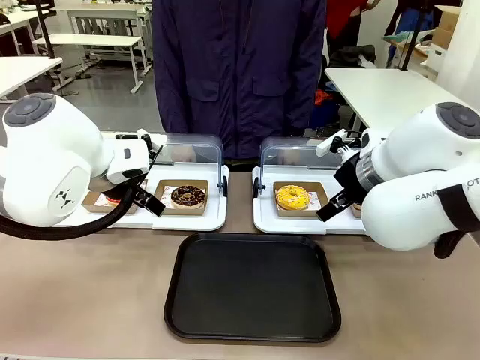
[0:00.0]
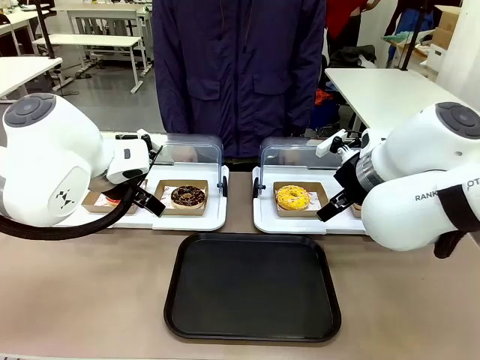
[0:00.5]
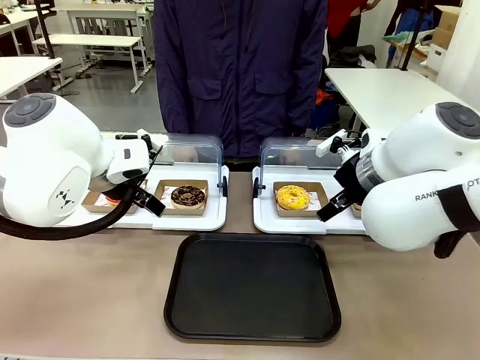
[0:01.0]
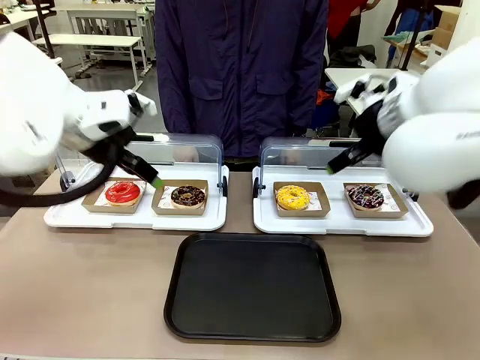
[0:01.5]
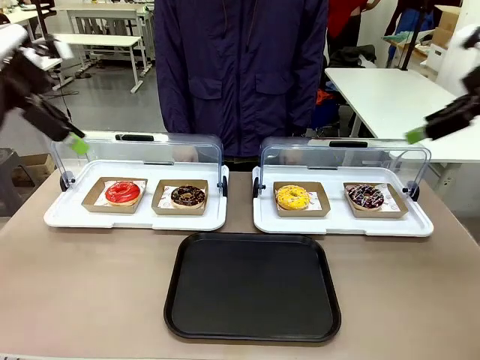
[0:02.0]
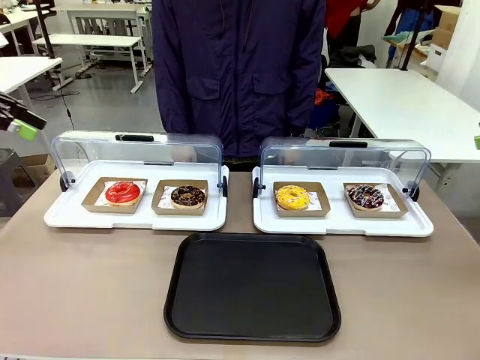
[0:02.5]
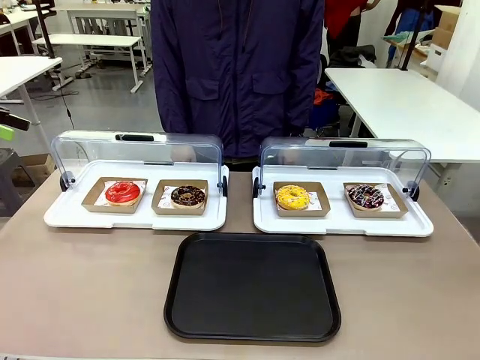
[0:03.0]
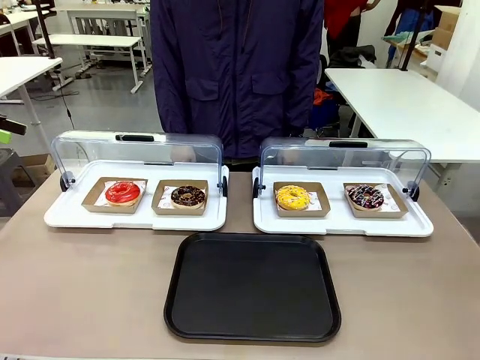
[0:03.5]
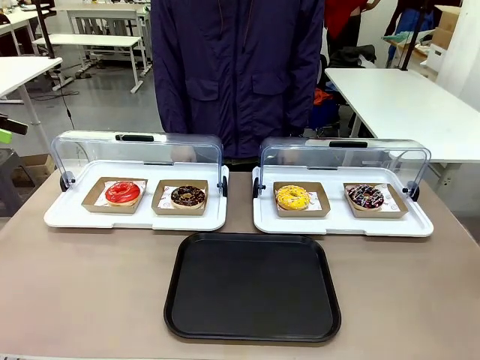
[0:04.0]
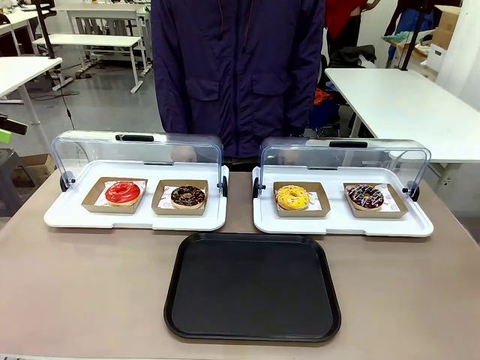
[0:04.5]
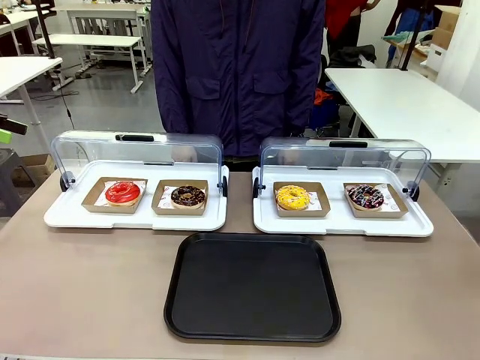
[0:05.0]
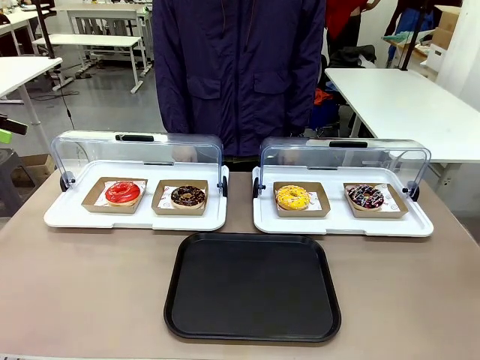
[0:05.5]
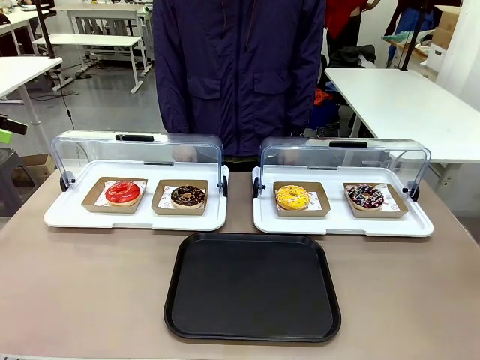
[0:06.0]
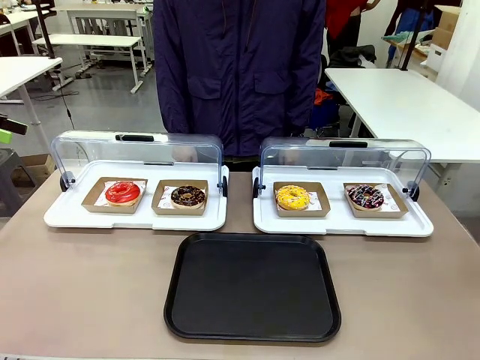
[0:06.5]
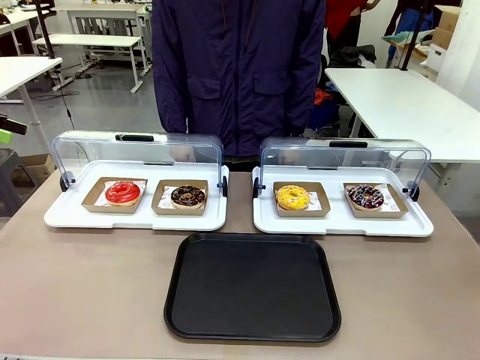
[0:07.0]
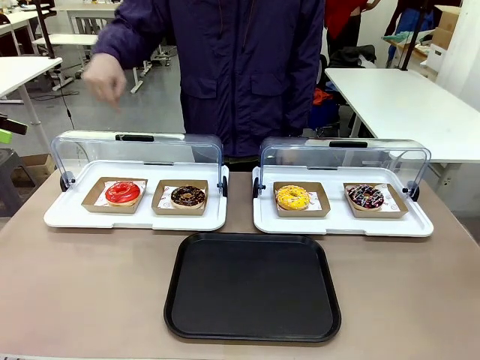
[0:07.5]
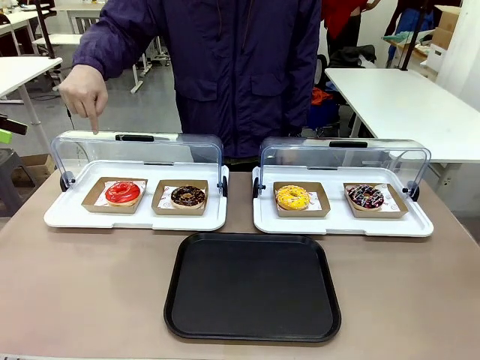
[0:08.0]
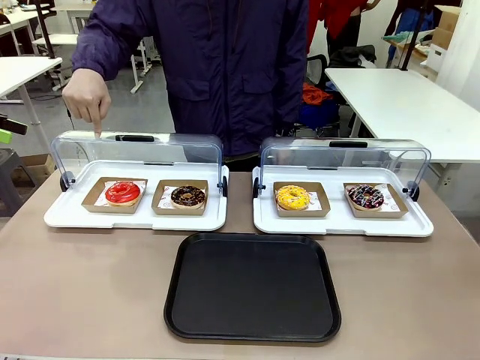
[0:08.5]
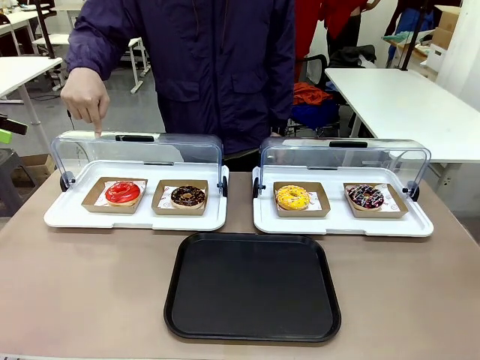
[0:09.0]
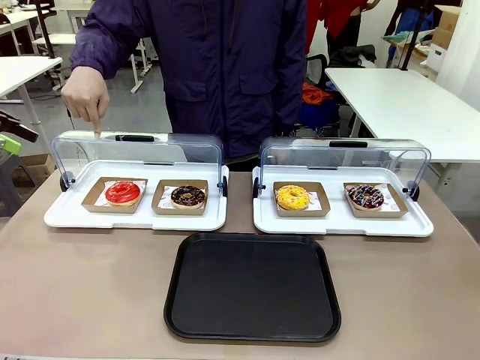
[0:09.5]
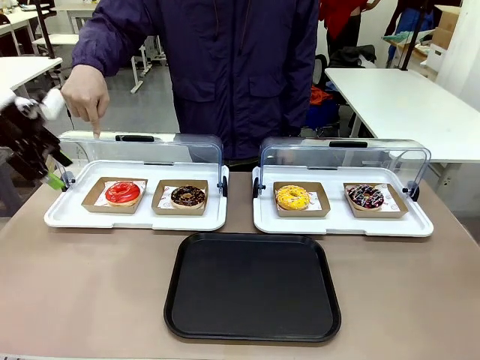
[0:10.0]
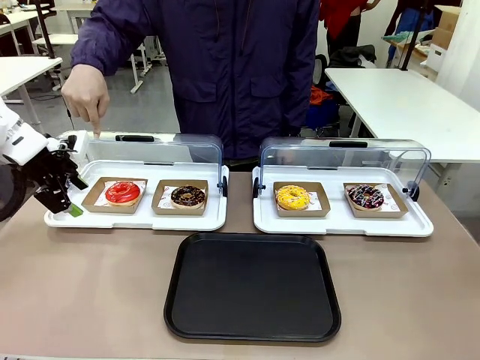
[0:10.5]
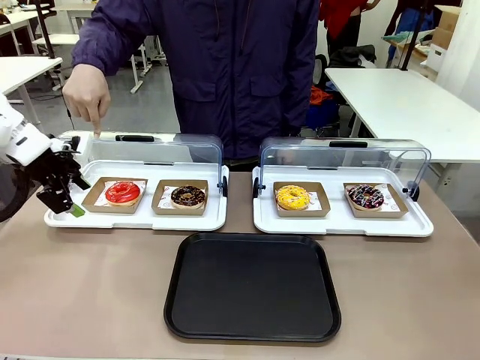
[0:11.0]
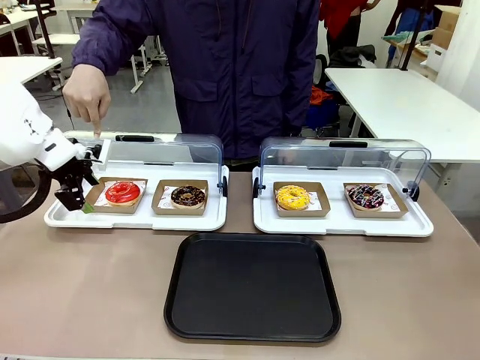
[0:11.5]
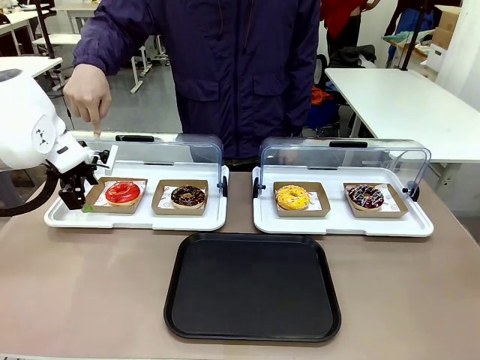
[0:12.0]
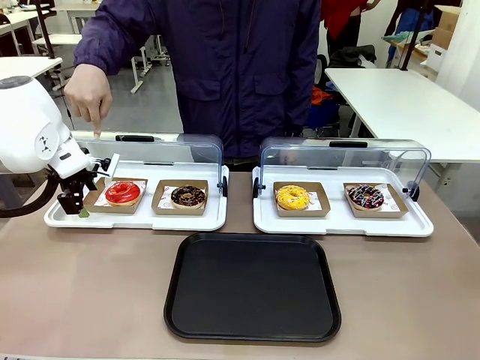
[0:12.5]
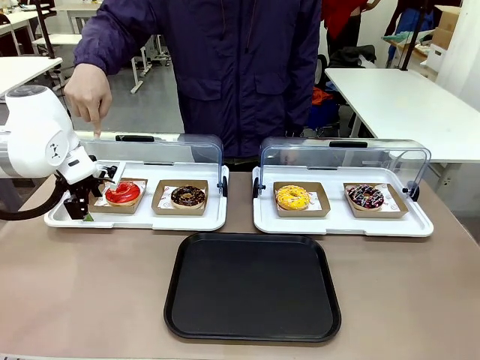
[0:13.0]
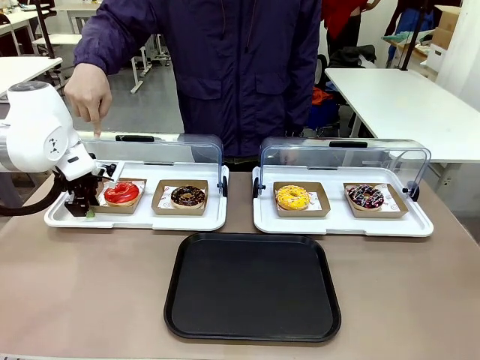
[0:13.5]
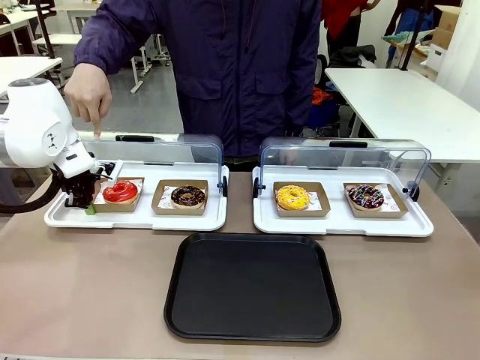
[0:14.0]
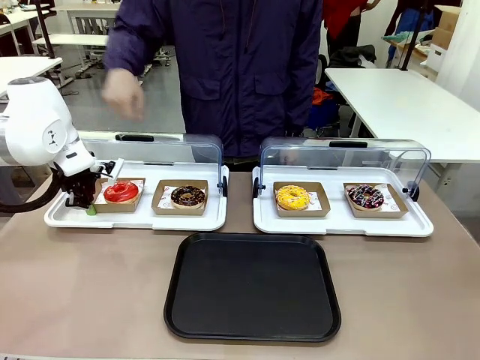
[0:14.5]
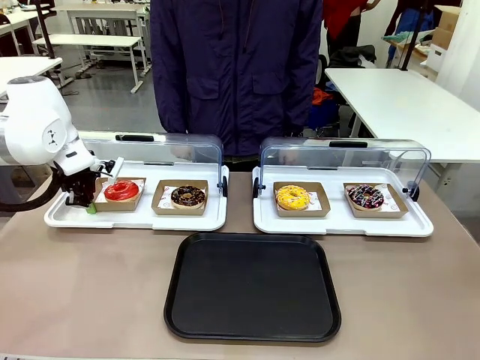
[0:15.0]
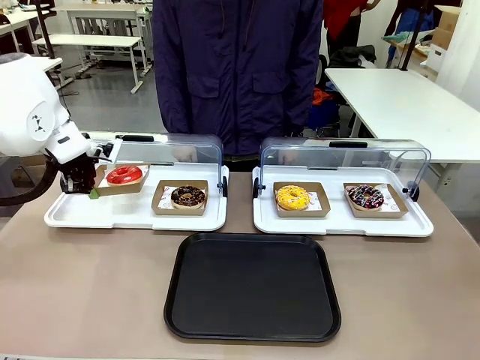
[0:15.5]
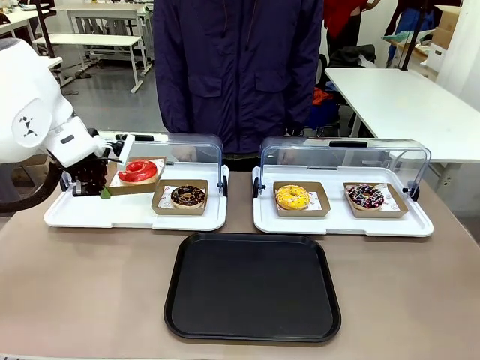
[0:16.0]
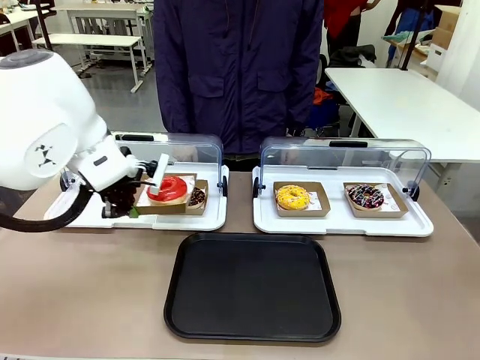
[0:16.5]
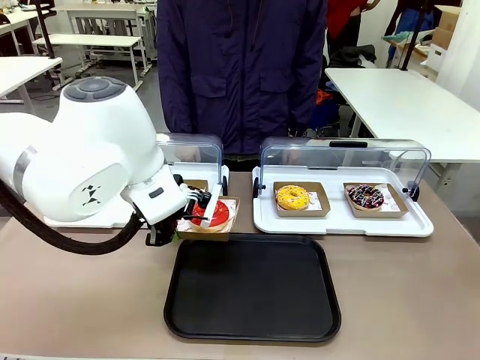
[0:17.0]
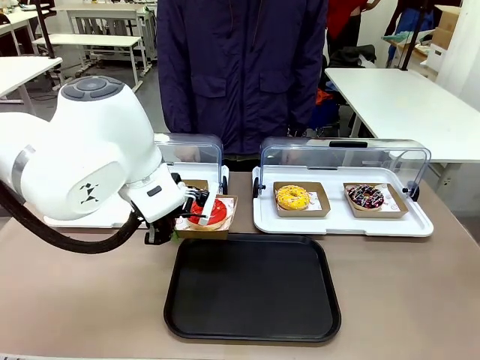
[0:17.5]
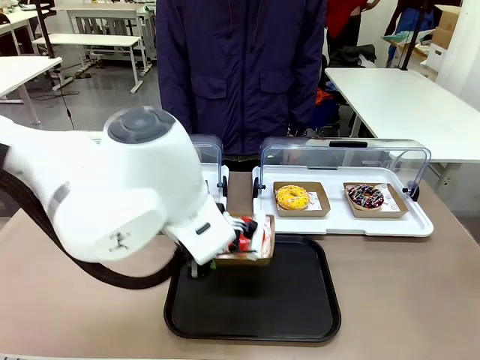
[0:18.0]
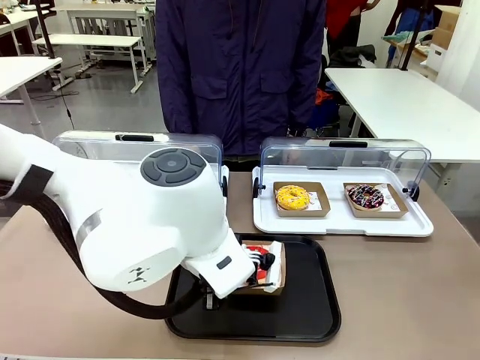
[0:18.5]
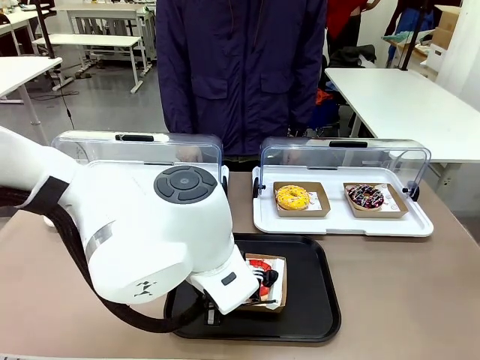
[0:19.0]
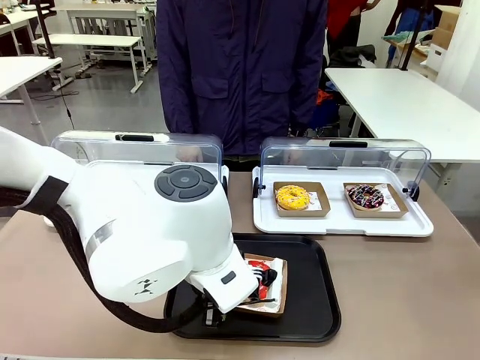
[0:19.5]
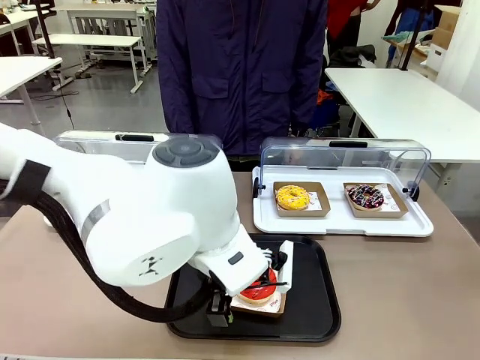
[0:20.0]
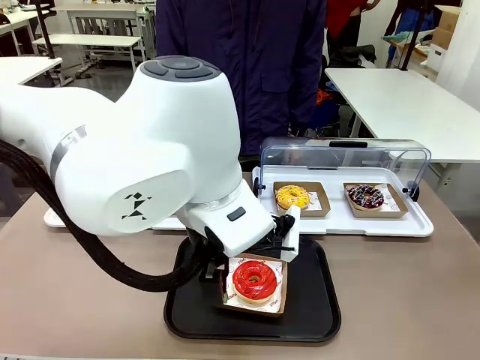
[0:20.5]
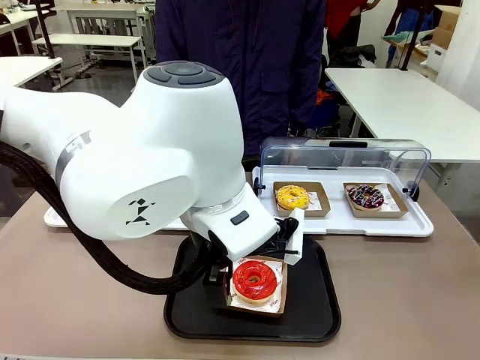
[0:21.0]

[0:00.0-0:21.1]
Task: Move the first donut from the left to the tray.
Robot: Pick up the Paper togo box containing the Donut indicated by the person and place it on the Handle tray.
Person: Points to the first donut from the left from the robot’s perspective.

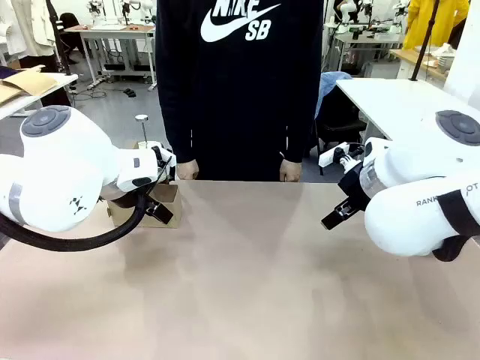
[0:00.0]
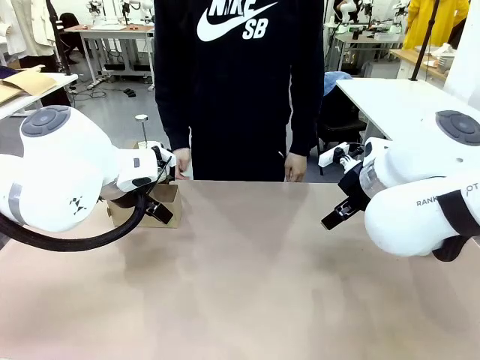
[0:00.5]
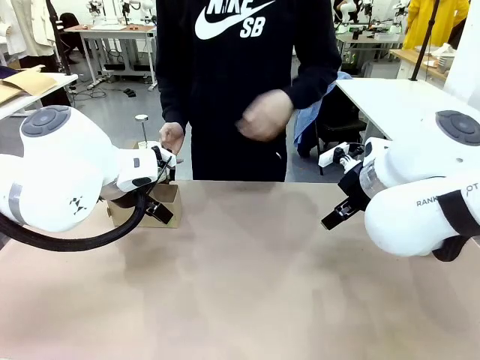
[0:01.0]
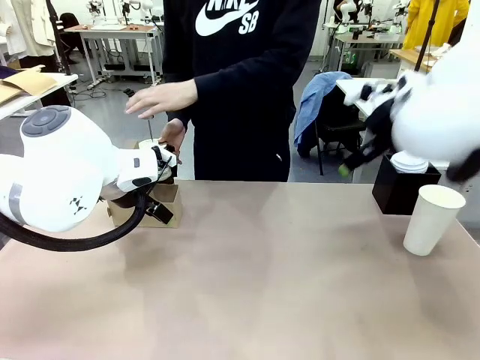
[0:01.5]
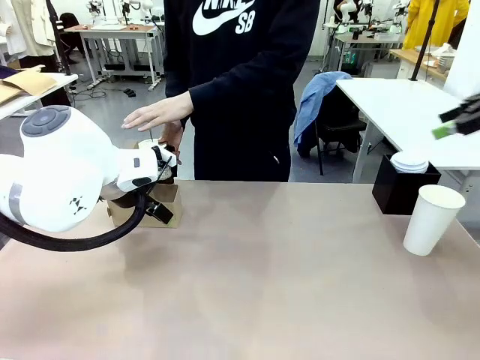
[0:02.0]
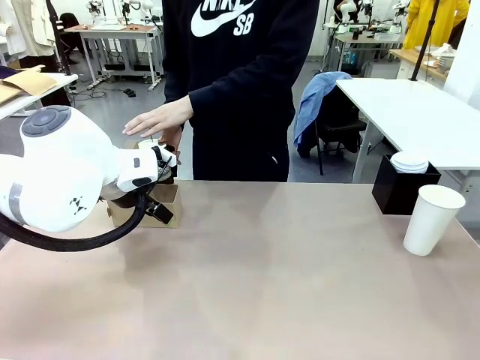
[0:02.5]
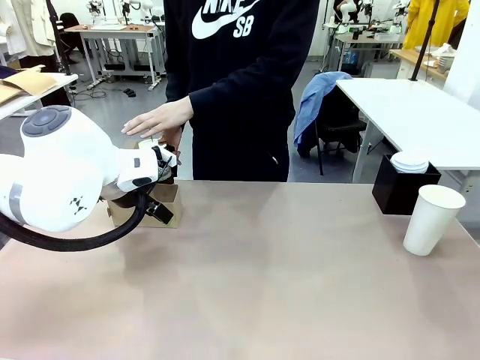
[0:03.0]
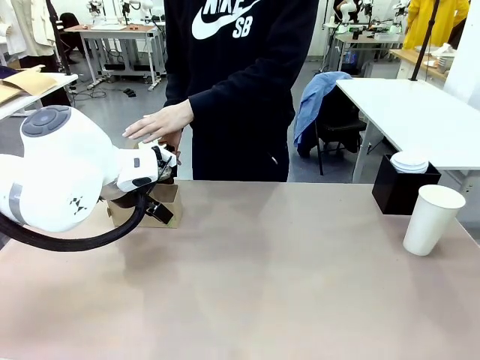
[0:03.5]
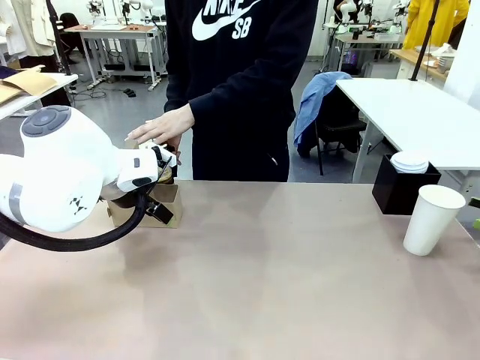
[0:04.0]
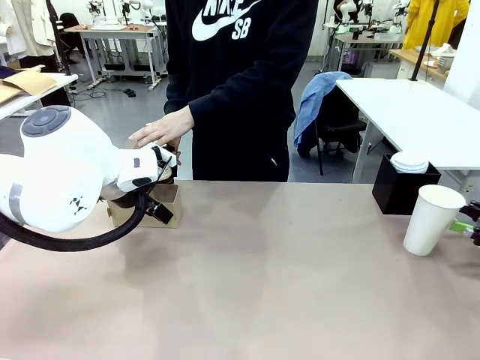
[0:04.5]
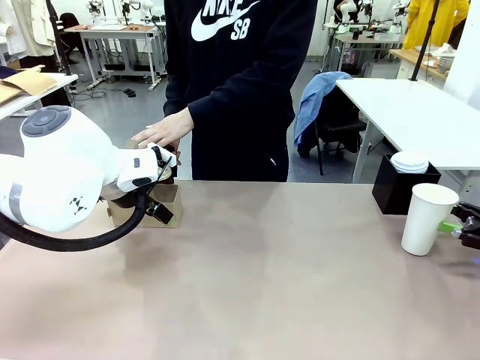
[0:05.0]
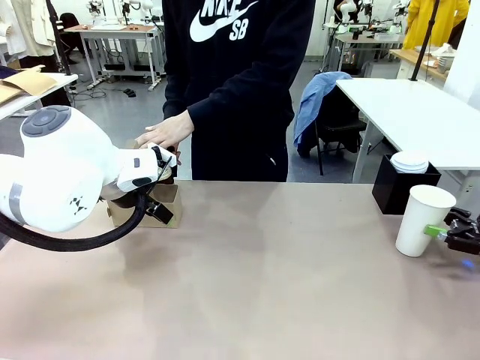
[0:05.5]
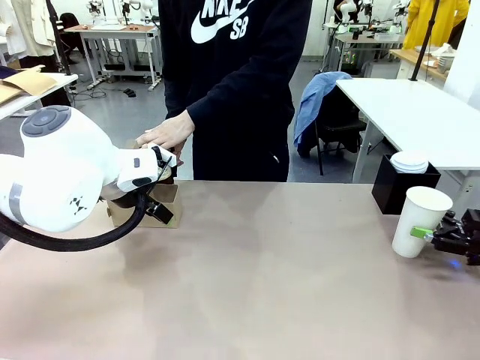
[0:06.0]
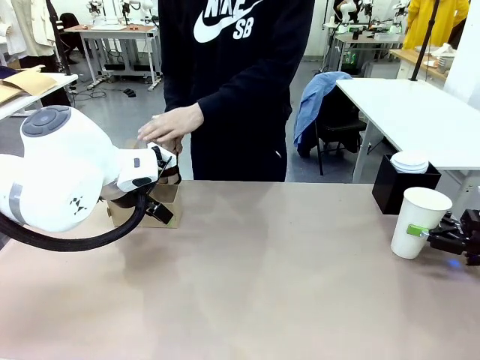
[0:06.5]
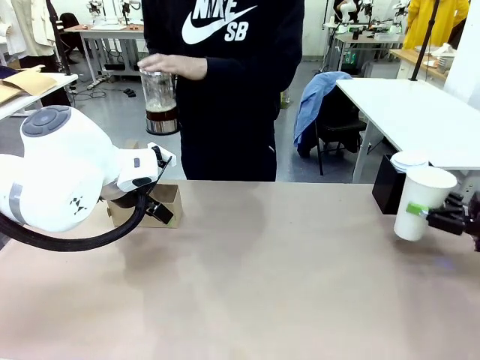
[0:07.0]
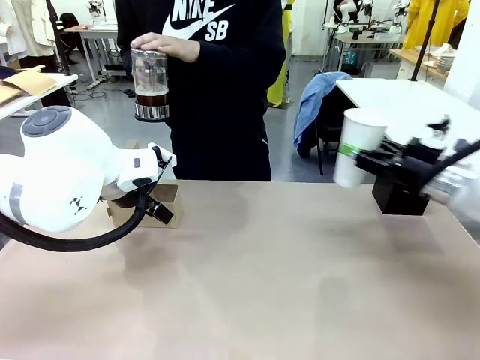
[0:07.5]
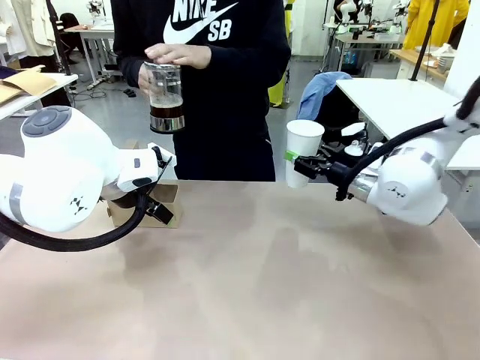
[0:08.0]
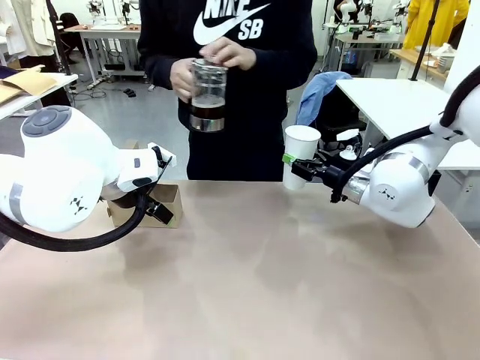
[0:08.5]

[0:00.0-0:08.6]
Task: Pour a drink into a cup and package it in a carrier.
Robot: Pick up the 600 ml Paper Cup and place it in the middle top area of the table.
Person: Press and pick up the Filter Brewing.
